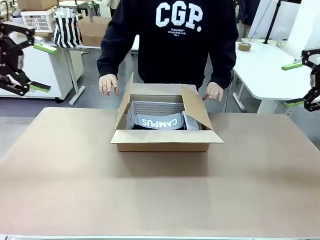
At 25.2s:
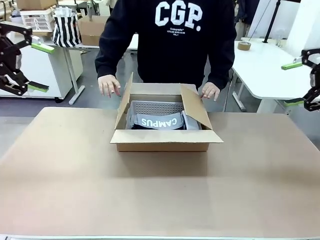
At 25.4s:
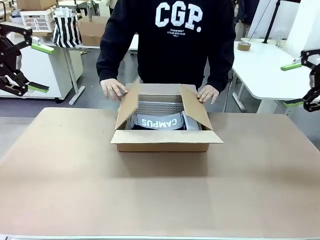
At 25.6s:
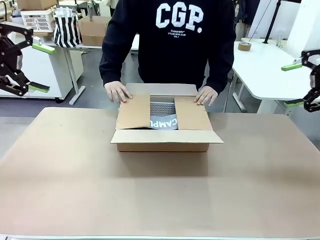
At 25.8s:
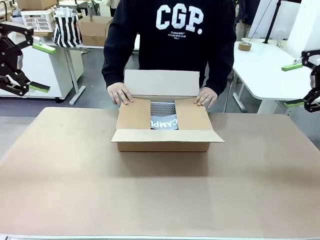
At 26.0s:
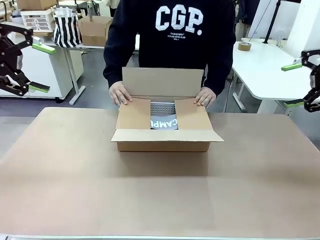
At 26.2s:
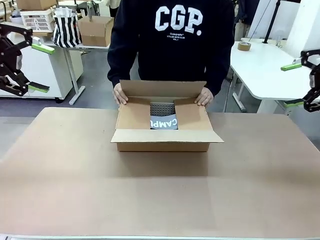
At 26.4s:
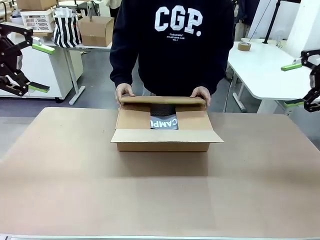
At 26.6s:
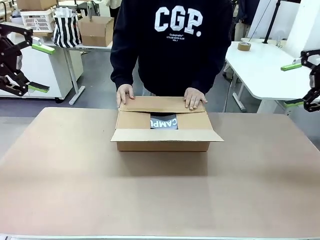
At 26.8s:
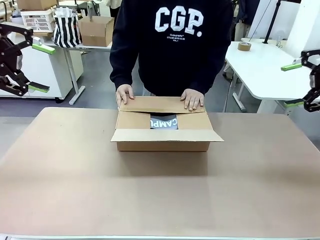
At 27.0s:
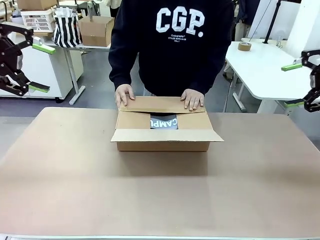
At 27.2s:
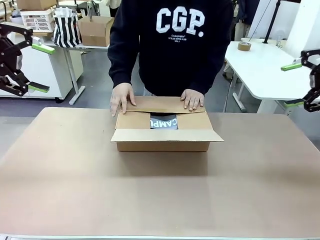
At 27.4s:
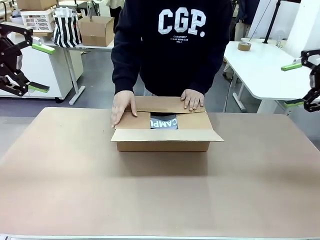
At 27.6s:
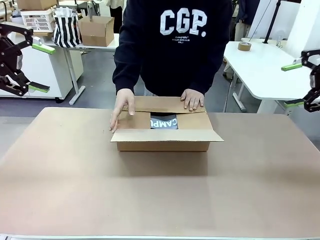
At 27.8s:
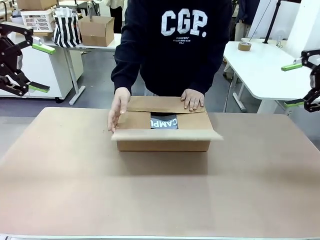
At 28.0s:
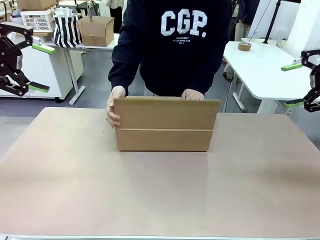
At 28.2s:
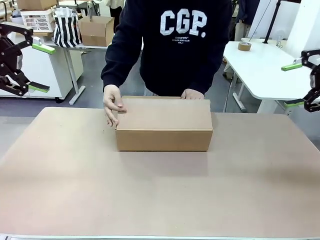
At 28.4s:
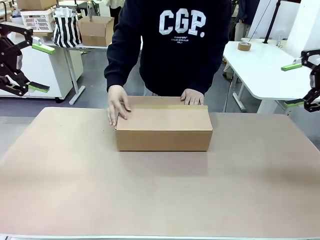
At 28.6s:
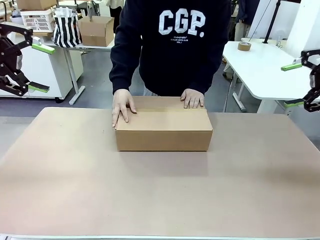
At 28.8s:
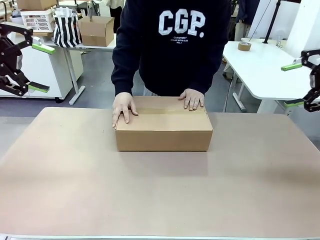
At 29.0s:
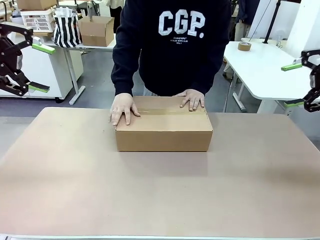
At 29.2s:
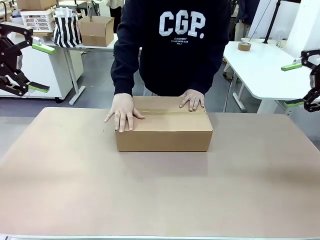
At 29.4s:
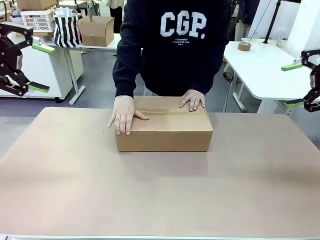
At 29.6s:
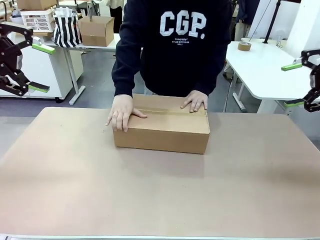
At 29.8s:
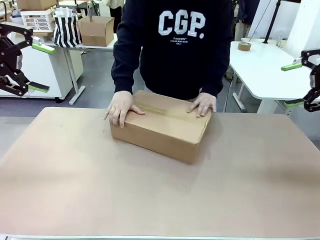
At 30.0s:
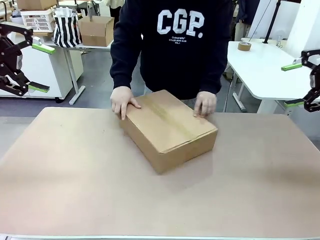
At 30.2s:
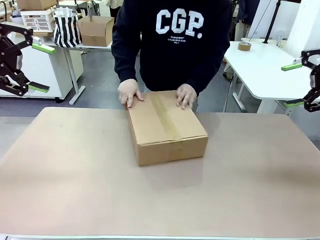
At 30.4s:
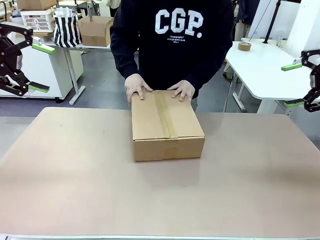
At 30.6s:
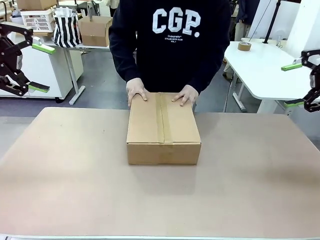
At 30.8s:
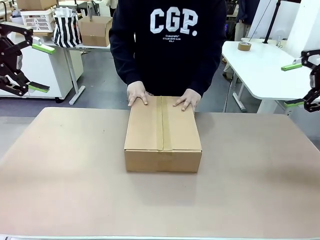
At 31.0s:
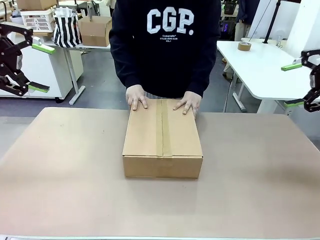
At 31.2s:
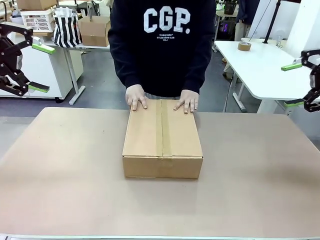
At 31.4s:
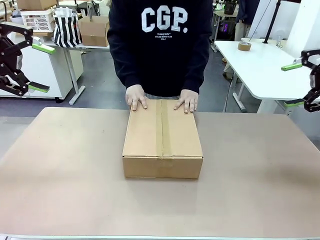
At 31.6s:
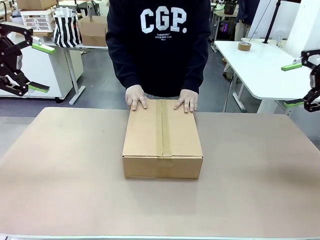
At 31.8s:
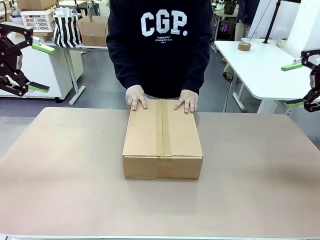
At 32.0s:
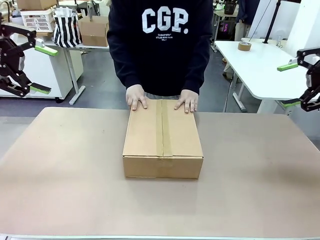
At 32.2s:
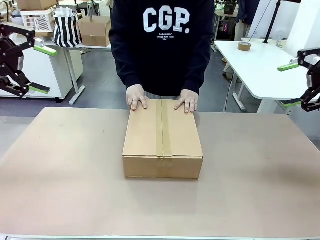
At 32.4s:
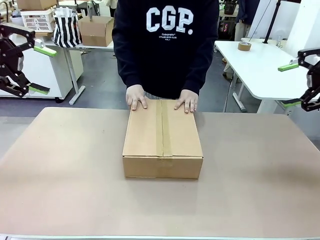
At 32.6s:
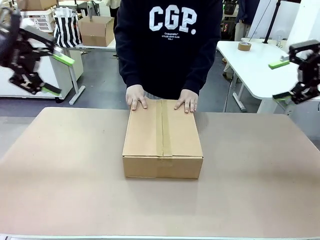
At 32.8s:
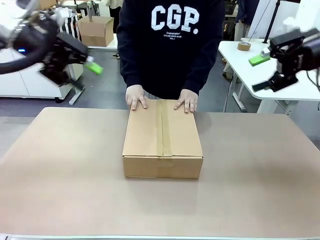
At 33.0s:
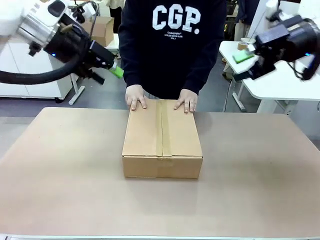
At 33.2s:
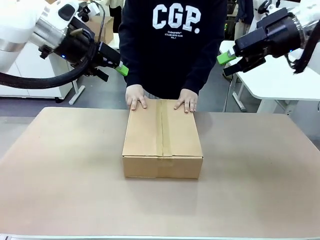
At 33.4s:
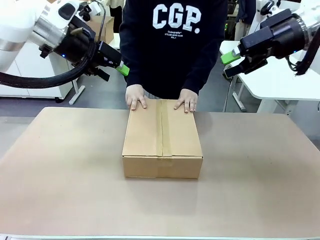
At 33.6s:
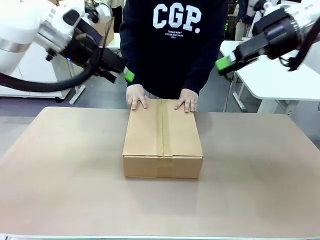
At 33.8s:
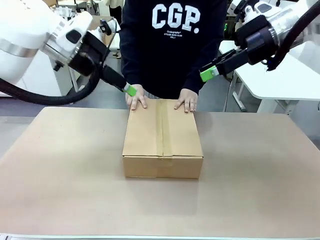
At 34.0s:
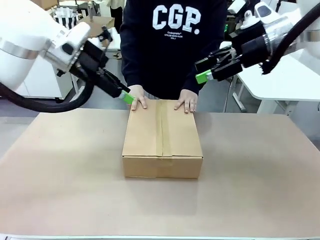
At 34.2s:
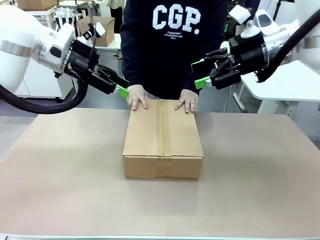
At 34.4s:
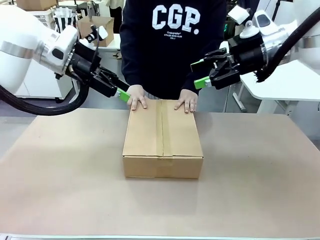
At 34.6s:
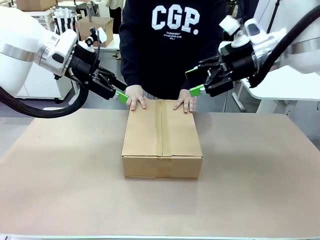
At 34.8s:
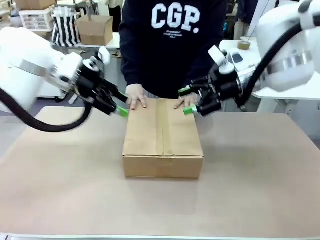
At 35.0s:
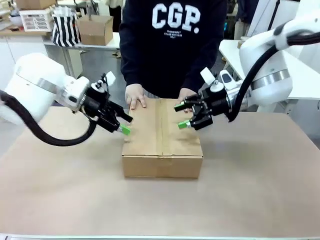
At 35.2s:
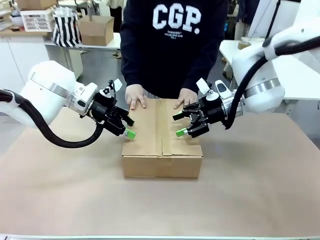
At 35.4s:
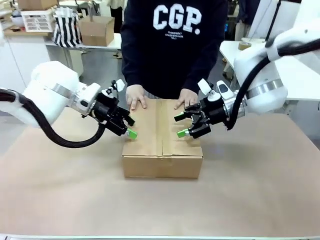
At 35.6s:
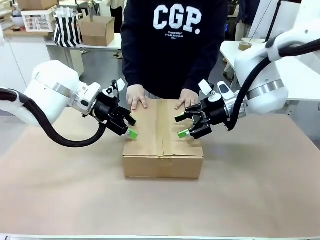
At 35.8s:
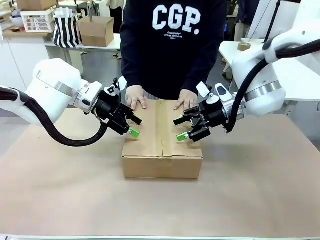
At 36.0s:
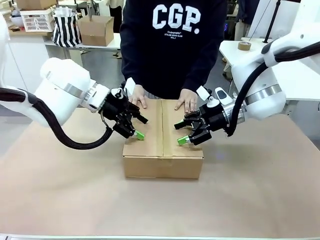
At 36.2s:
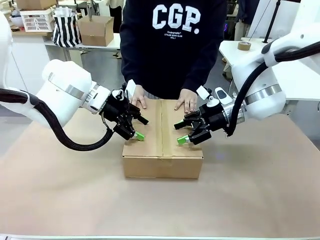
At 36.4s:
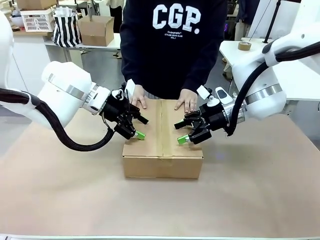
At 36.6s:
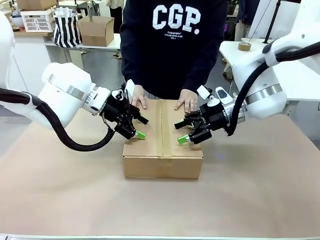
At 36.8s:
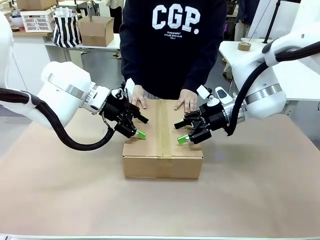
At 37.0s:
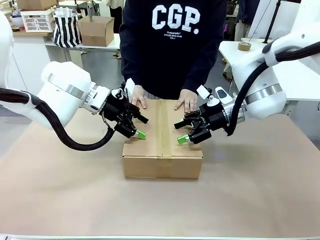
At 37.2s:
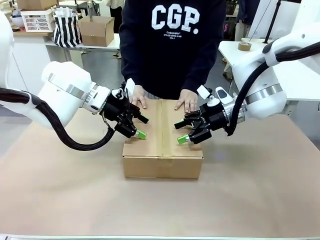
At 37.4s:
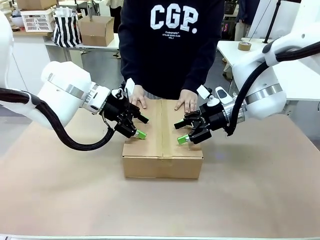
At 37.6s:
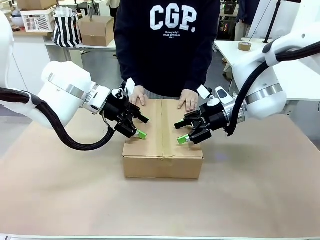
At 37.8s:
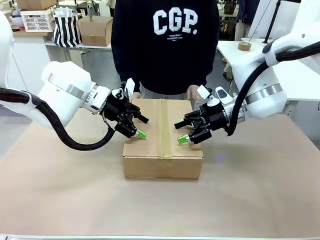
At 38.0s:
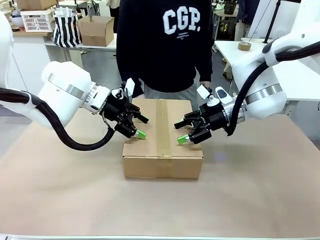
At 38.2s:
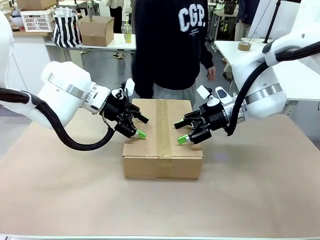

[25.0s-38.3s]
Task: Pack the gift set into the box.
Robot: Press and hold the closed box until the human finishes sealing it.
Person: The human closes the box and rotates the box by 90 degrees.

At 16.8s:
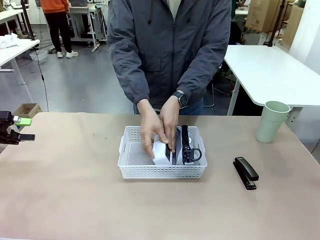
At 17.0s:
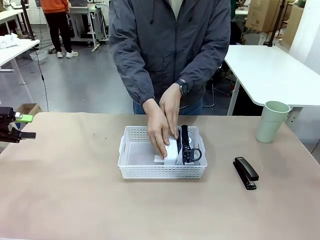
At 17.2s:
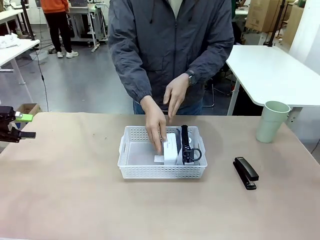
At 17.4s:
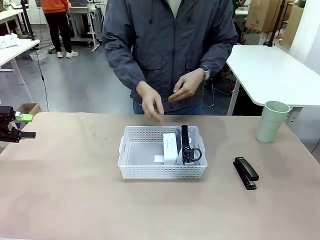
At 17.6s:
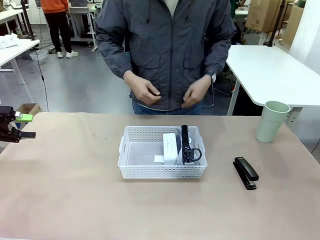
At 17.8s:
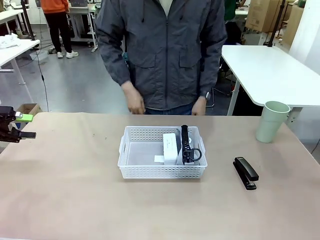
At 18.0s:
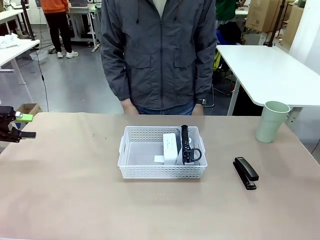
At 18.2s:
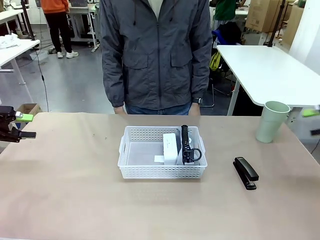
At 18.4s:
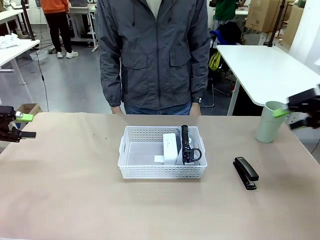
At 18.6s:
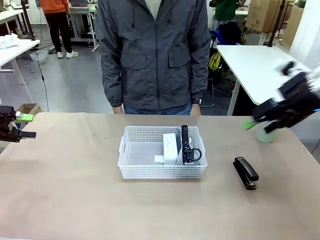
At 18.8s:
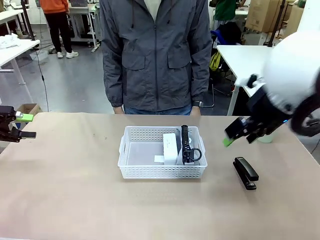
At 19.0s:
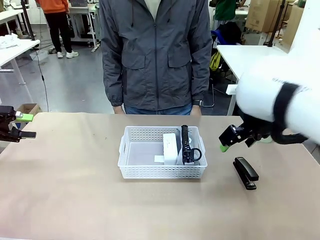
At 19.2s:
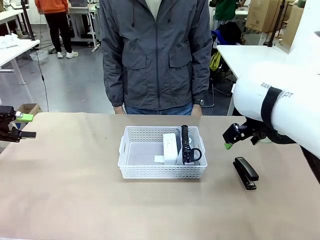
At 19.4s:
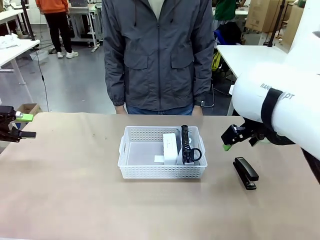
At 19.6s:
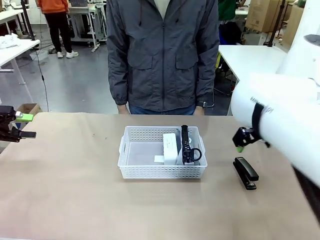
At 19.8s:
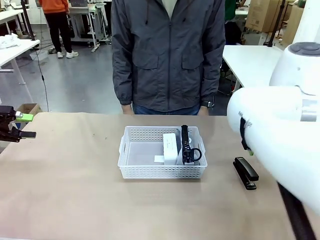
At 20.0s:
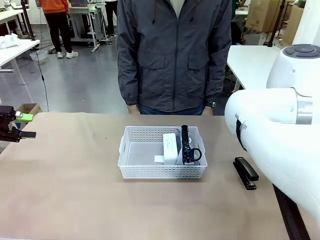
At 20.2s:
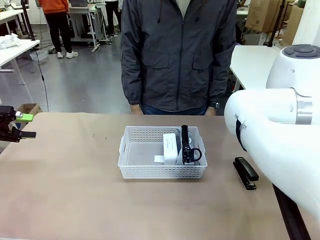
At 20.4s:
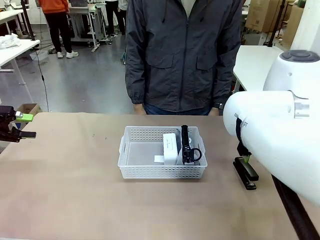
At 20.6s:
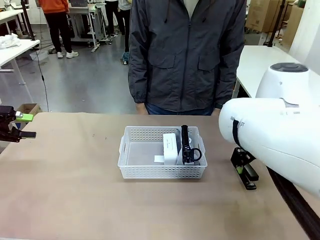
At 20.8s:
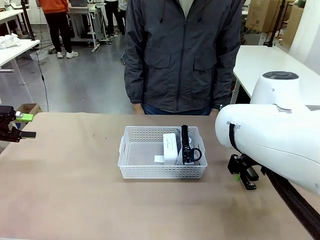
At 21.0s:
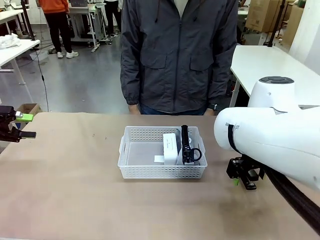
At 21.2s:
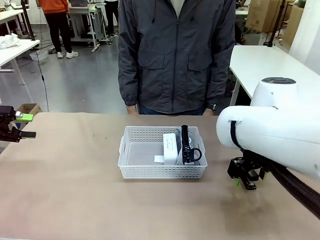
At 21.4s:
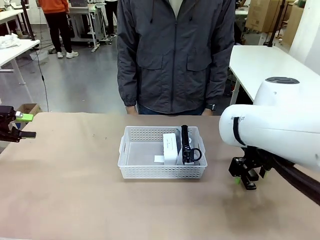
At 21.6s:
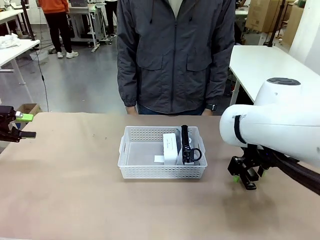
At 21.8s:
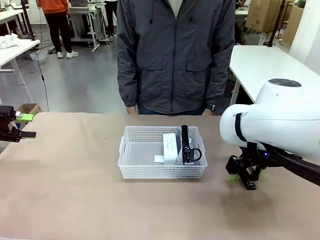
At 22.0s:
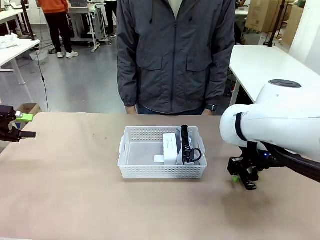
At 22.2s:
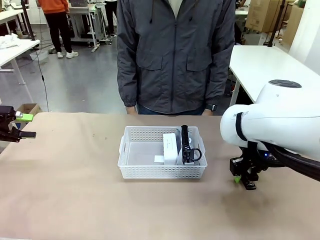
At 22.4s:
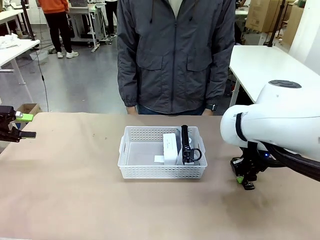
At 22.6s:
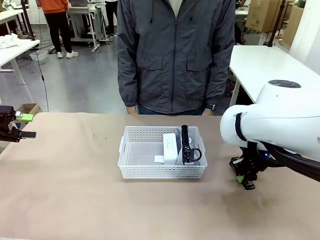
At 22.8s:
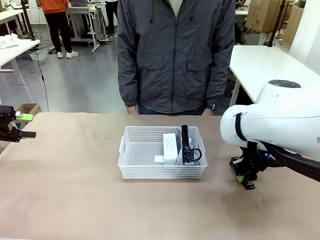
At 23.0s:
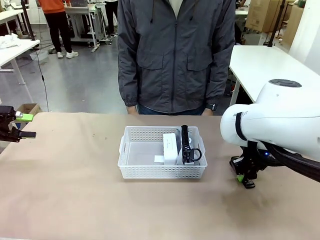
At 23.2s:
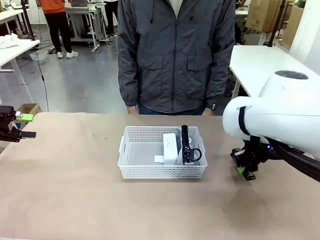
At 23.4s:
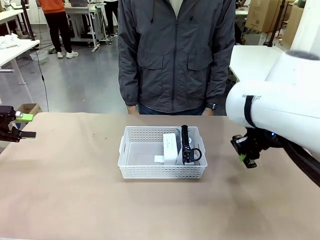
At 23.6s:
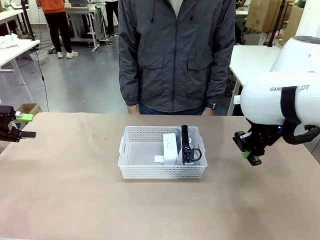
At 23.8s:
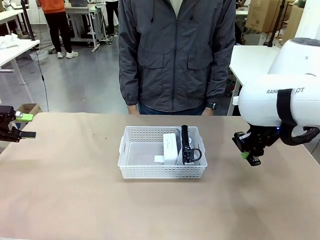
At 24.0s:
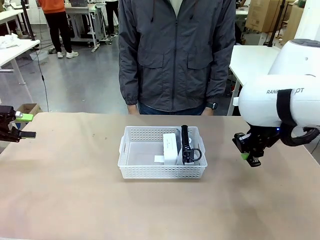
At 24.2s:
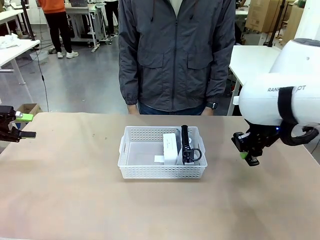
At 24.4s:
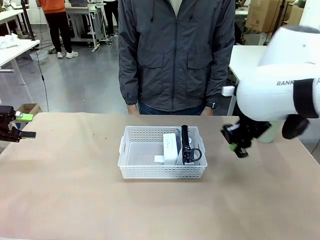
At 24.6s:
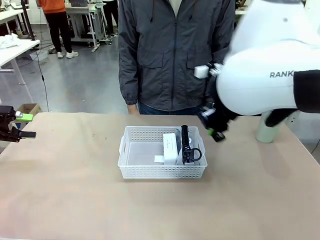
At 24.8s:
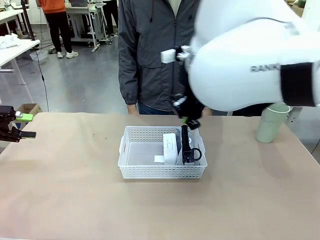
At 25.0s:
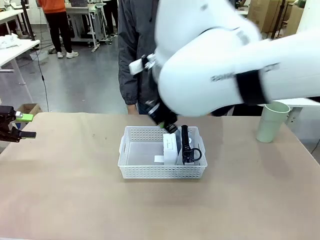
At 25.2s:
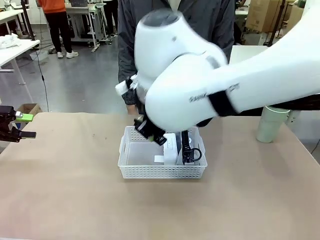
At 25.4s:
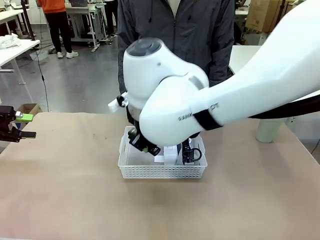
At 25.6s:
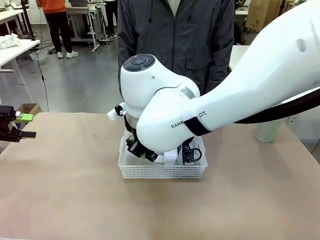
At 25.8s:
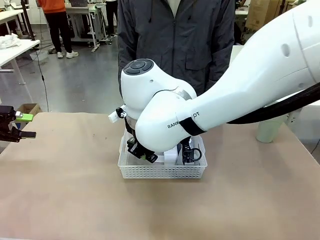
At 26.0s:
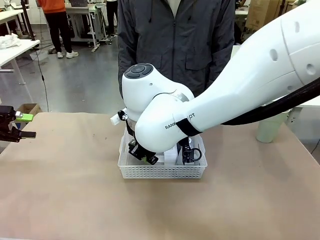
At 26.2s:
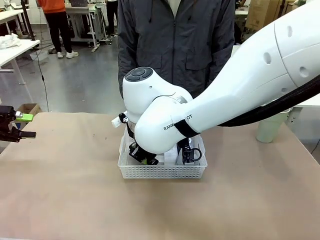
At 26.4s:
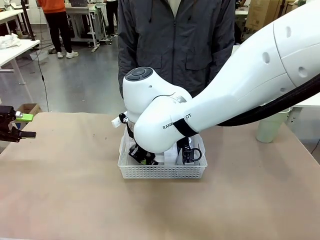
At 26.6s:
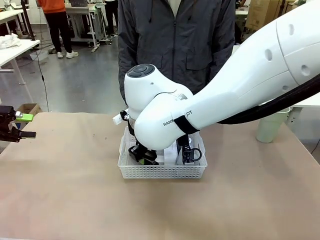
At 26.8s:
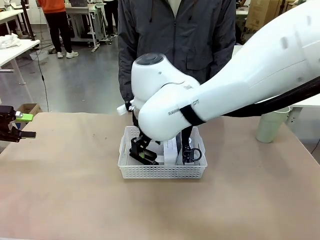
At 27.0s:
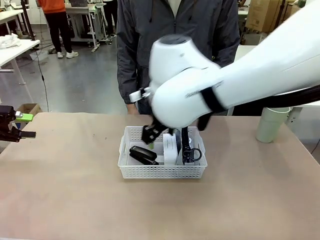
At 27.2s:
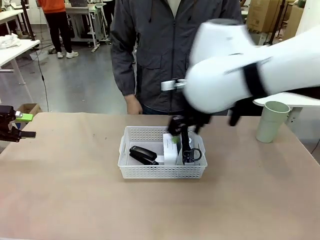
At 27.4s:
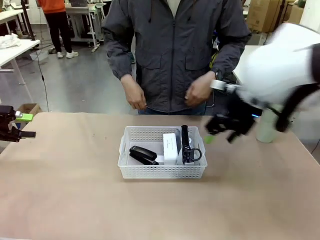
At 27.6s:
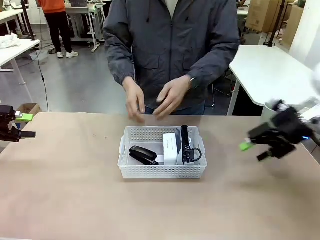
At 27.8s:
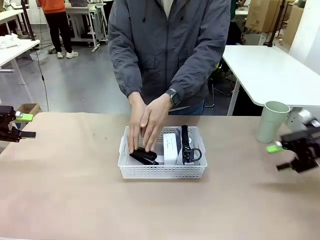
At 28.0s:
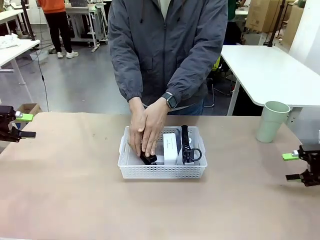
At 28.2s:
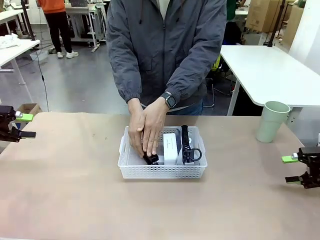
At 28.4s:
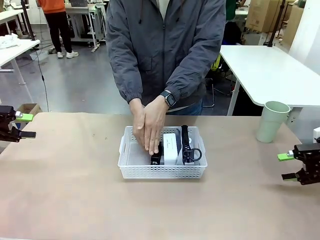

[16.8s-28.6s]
Task: Efficiently arrange items inside the basket to fit them all.
Robot: Pick up the Stapler and place it inside the Organizing basket.
